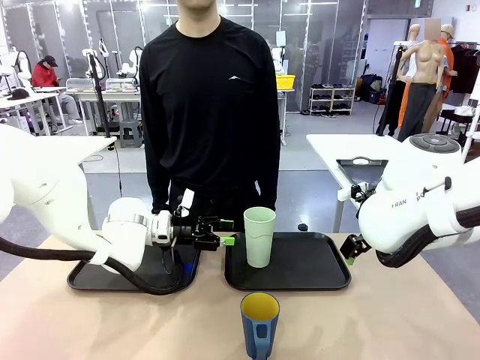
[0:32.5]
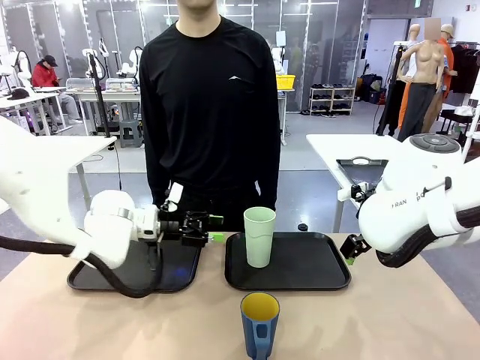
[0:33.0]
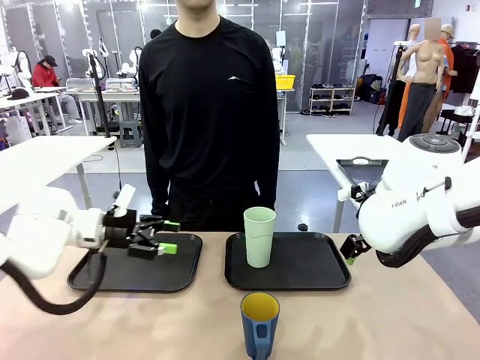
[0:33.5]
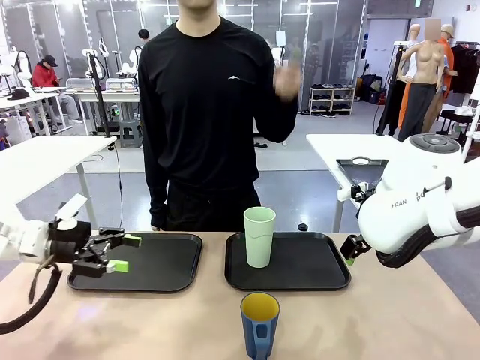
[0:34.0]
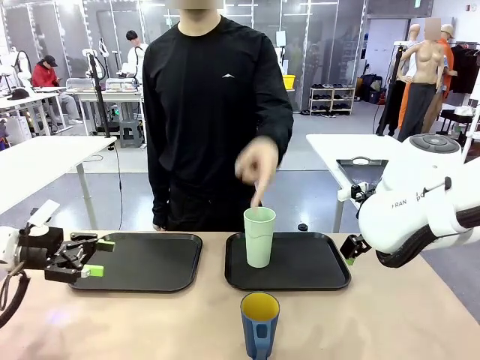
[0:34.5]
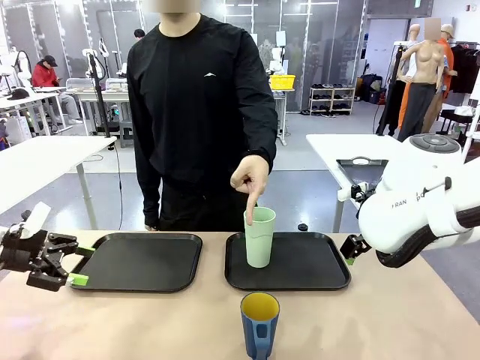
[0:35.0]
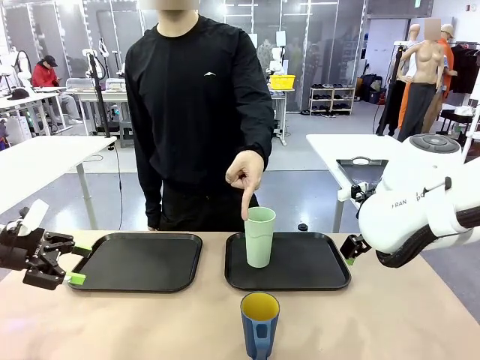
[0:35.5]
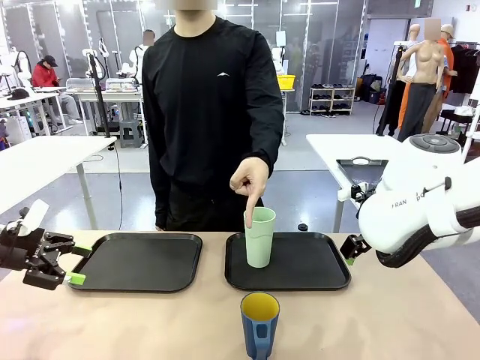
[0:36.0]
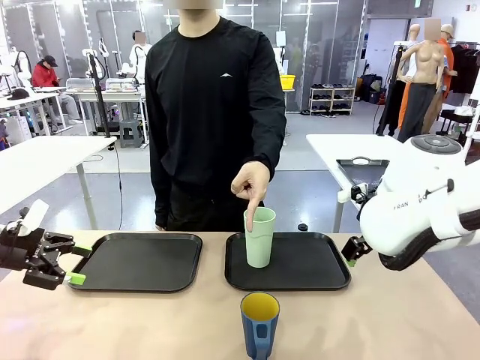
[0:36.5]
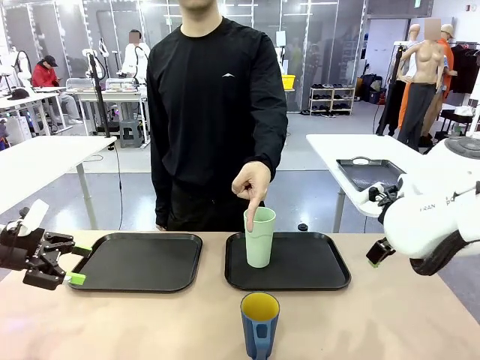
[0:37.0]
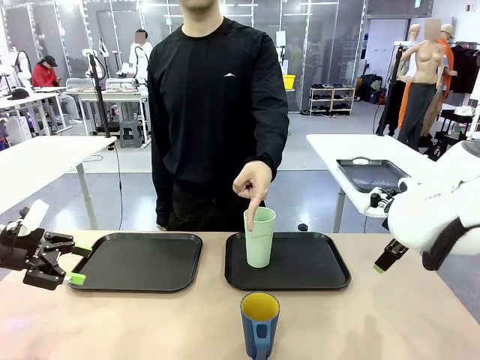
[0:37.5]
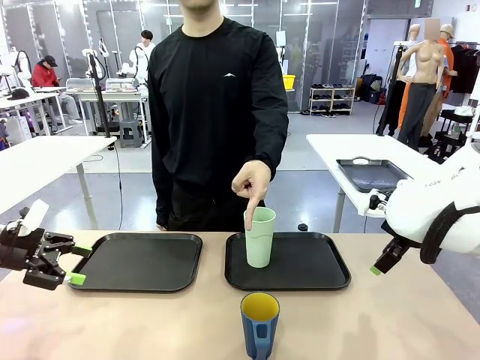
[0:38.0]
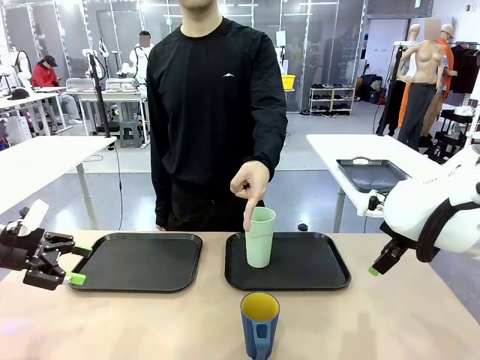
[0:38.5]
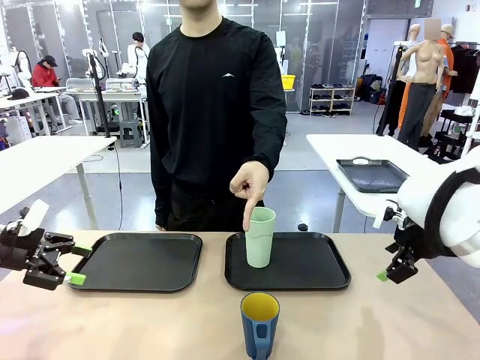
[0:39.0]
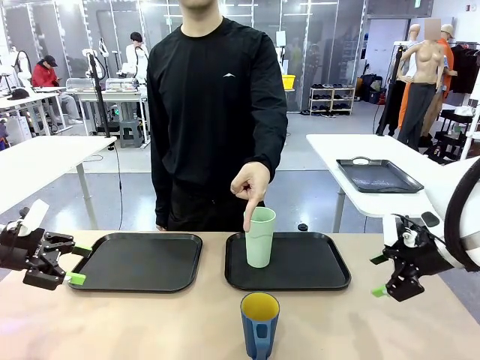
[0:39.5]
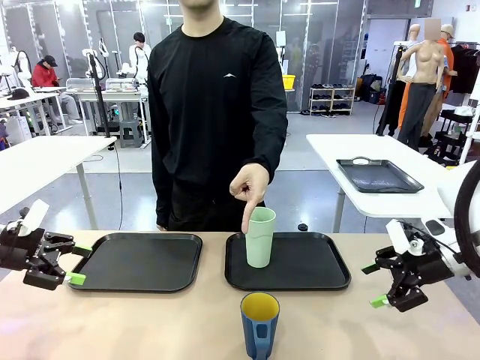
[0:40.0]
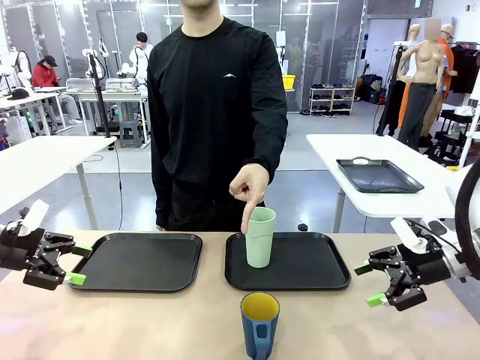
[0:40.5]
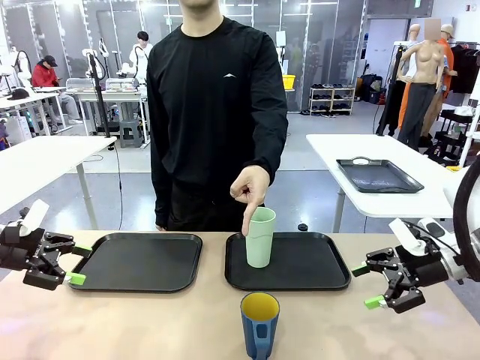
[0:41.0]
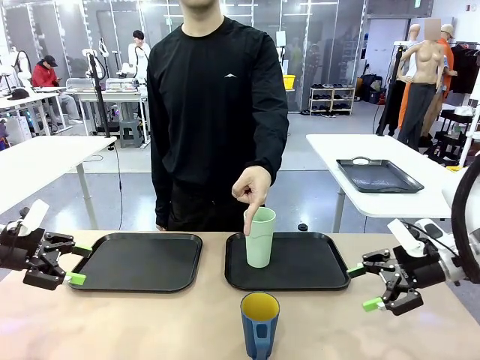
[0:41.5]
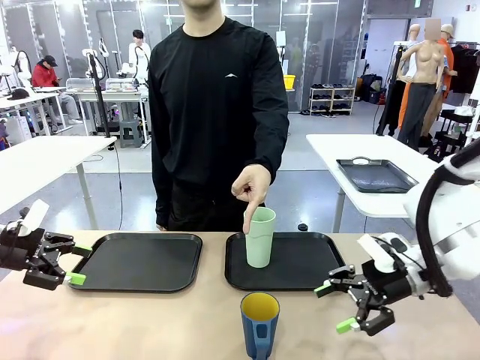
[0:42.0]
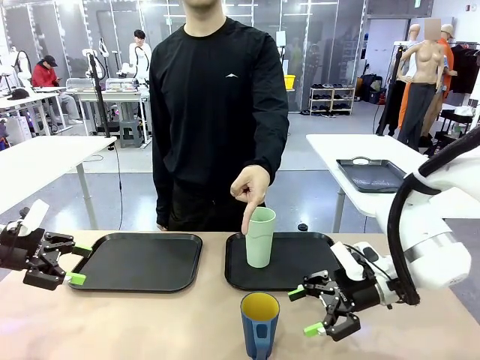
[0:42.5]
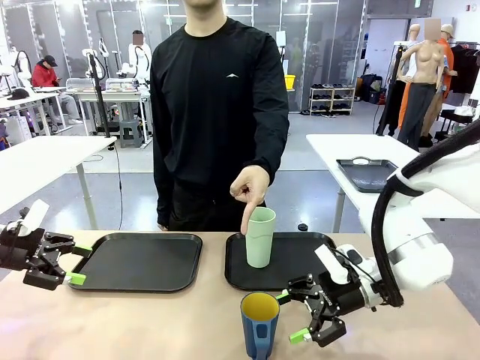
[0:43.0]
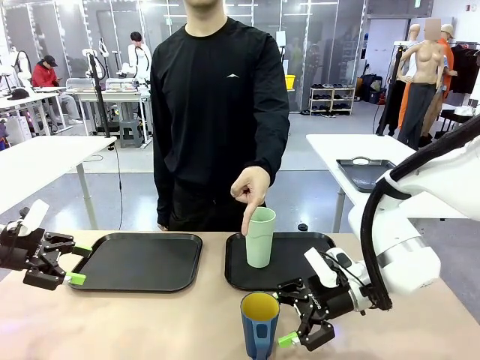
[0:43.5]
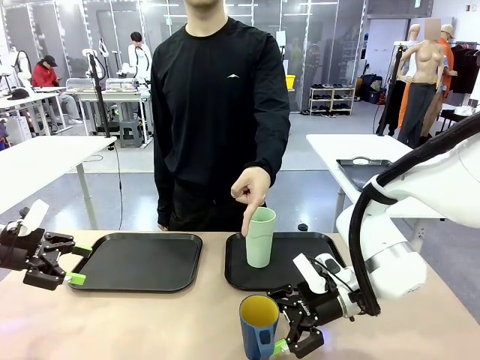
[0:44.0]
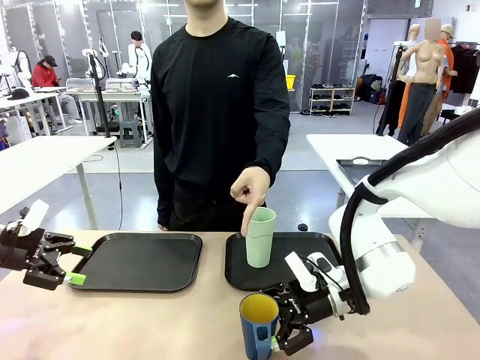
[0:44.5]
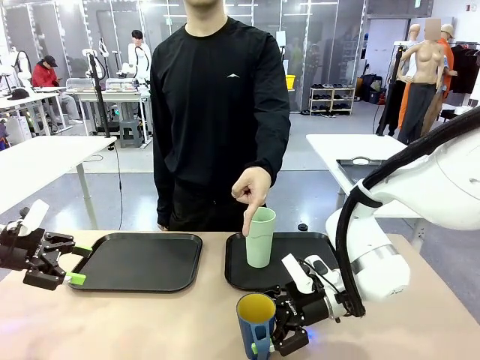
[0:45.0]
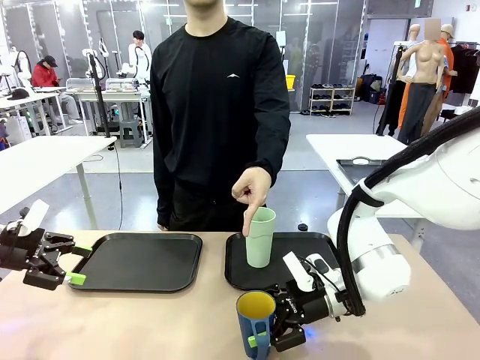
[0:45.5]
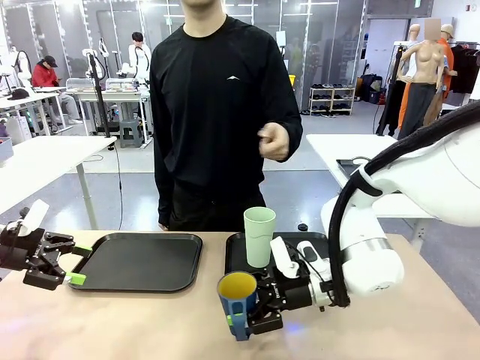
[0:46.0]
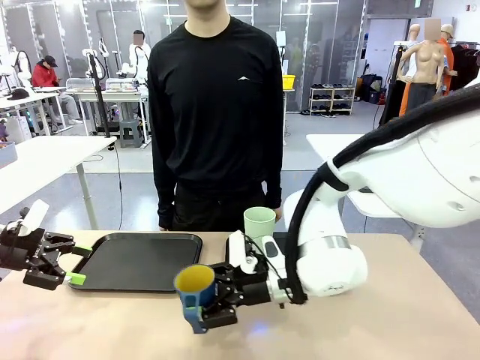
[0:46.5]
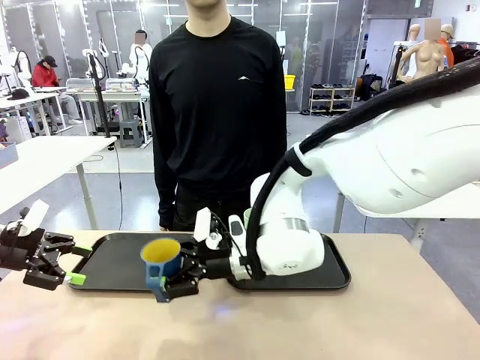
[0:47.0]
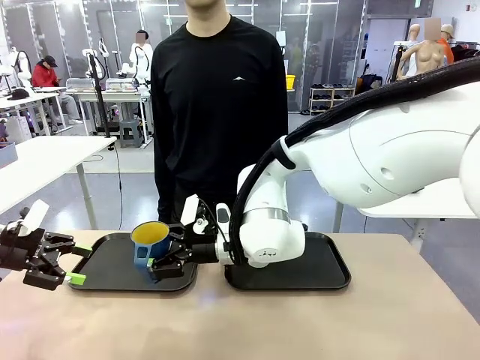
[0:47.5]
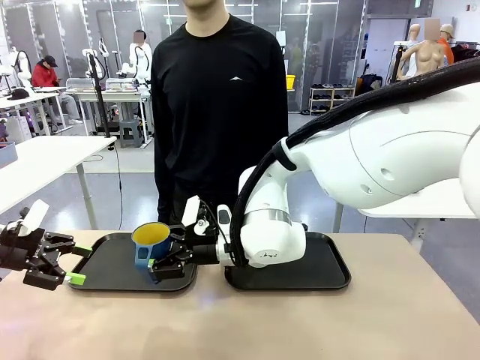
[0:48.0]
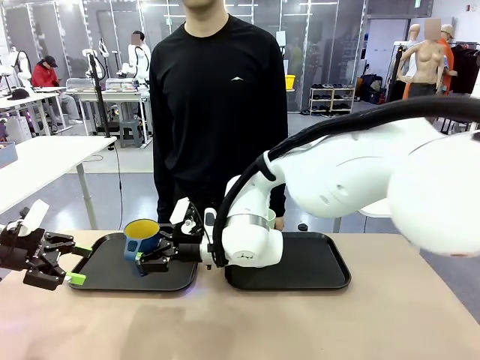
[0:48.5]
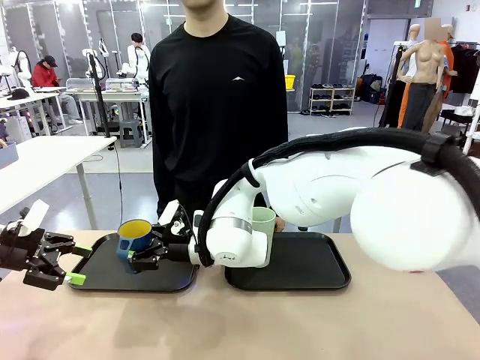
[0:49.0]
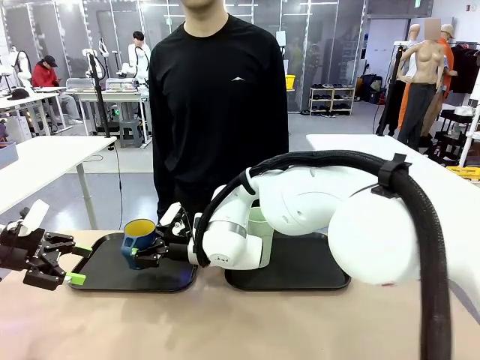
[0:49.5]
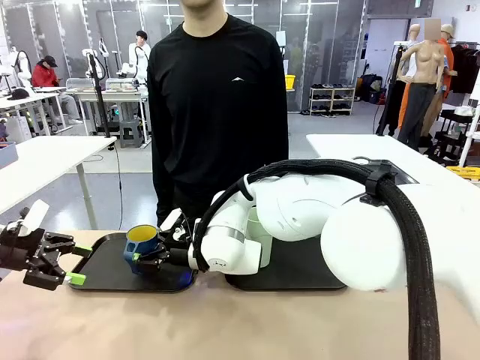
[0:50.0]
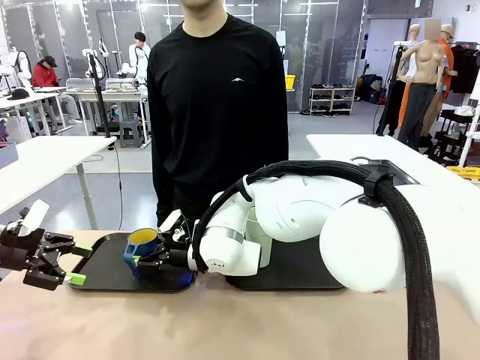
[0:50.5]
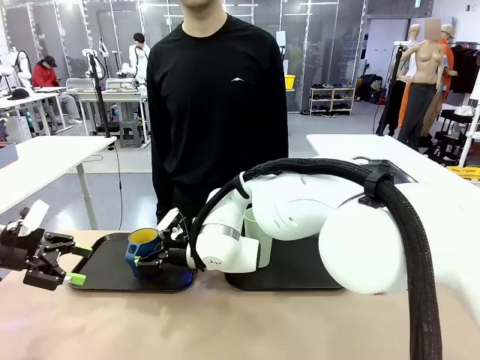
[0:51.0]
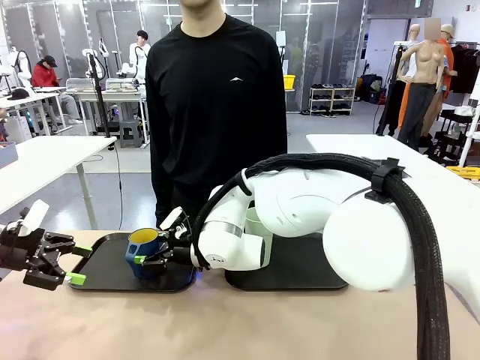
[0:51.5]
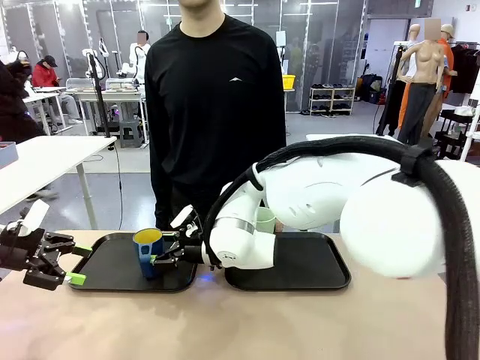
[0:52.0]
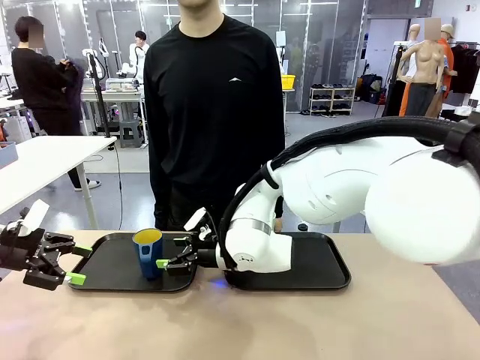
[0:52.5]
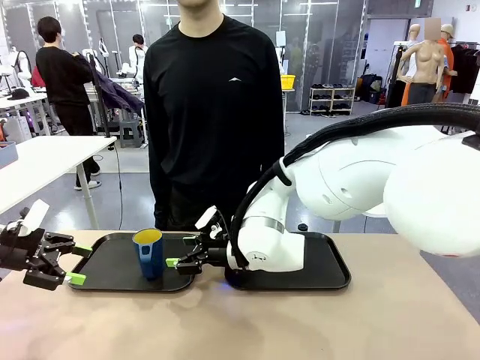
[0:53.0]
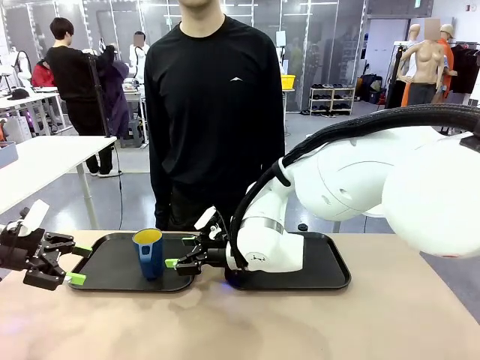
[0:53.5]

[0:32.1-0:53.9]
Task: Sort and store the cups by type.
Robot: Pick up the Handle plastic cup and place it into the empty Flat Tray.
Person: Points to the cup with a handle.
